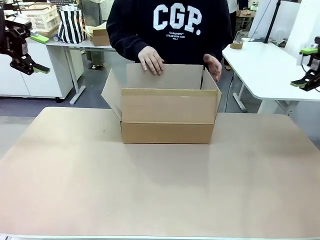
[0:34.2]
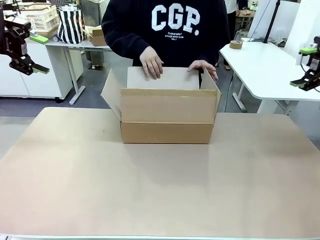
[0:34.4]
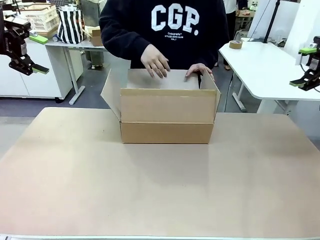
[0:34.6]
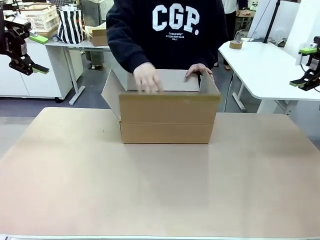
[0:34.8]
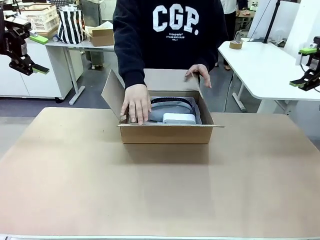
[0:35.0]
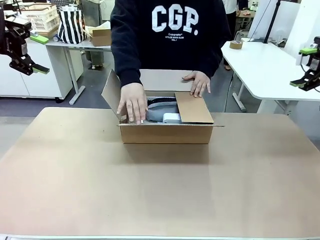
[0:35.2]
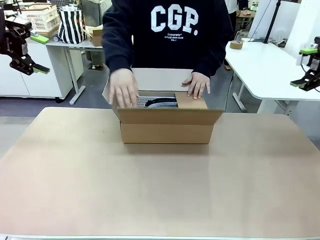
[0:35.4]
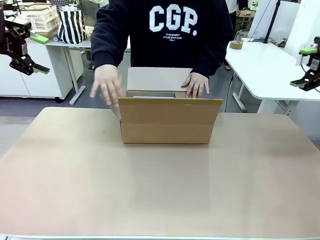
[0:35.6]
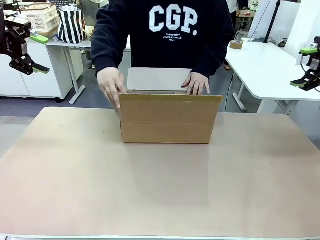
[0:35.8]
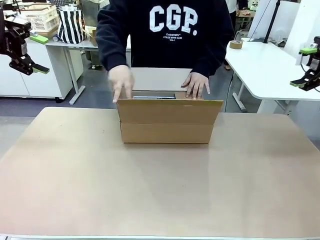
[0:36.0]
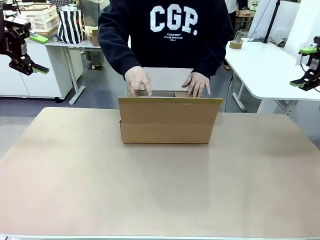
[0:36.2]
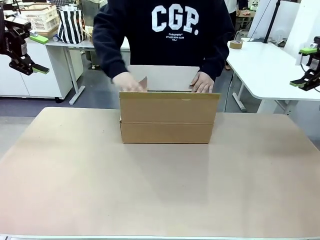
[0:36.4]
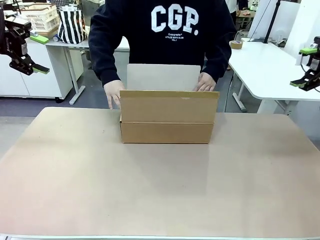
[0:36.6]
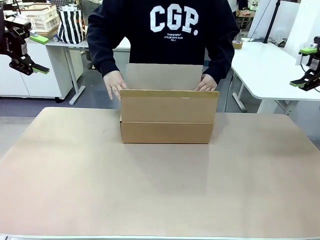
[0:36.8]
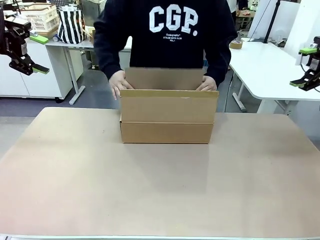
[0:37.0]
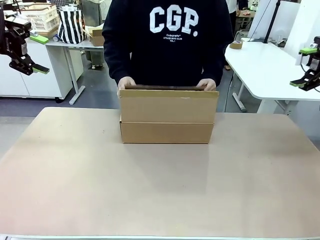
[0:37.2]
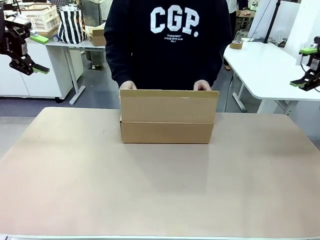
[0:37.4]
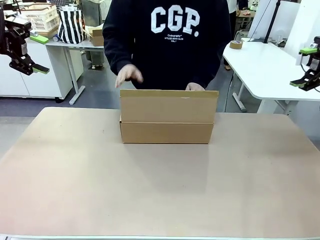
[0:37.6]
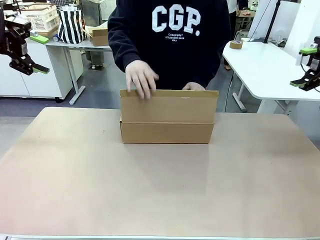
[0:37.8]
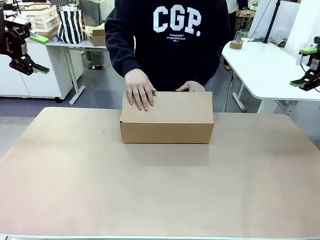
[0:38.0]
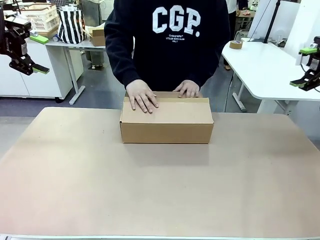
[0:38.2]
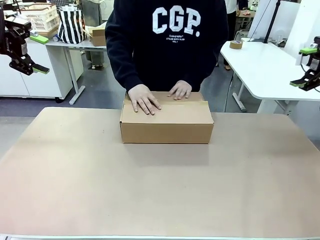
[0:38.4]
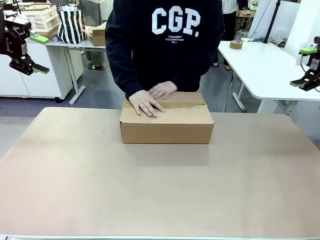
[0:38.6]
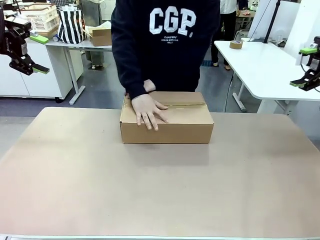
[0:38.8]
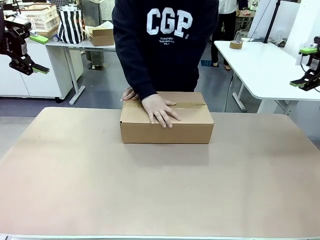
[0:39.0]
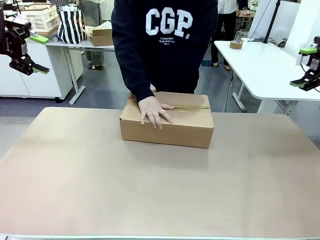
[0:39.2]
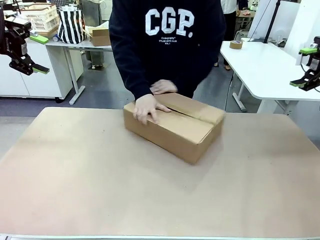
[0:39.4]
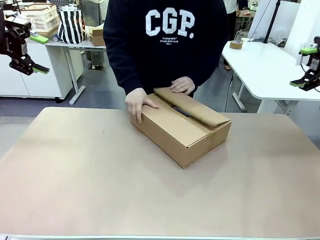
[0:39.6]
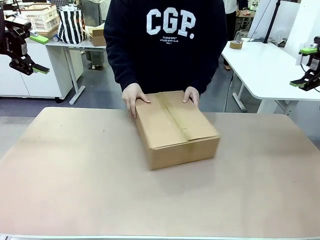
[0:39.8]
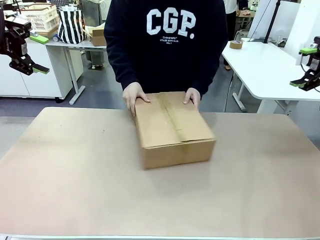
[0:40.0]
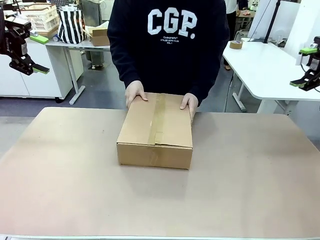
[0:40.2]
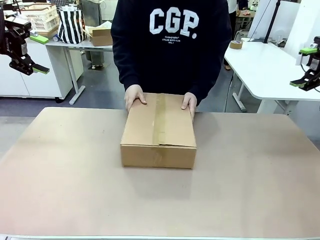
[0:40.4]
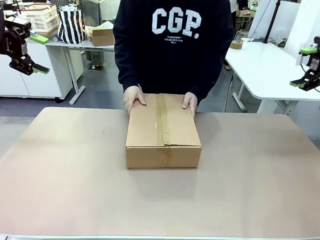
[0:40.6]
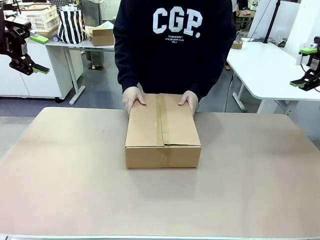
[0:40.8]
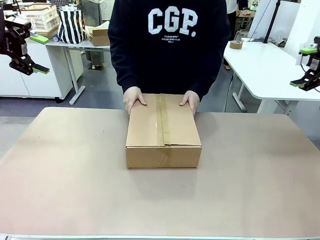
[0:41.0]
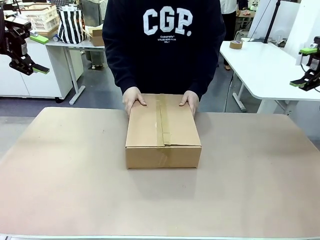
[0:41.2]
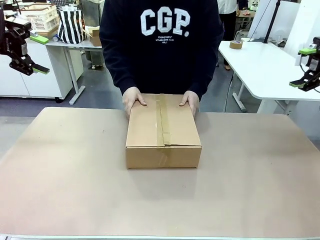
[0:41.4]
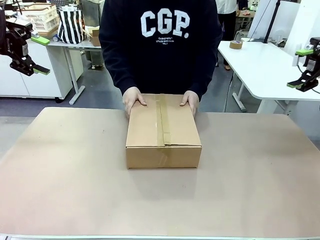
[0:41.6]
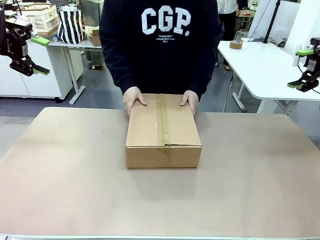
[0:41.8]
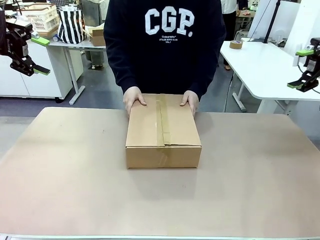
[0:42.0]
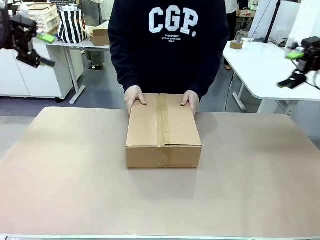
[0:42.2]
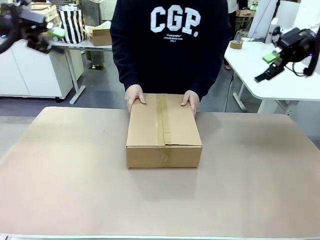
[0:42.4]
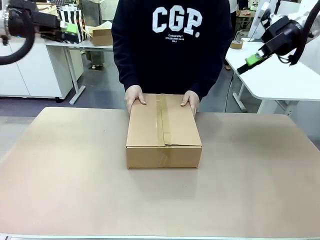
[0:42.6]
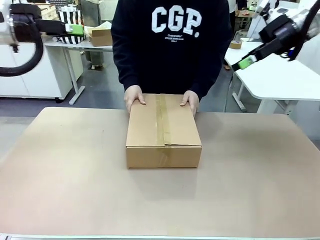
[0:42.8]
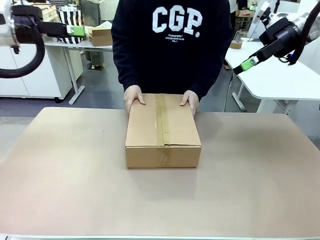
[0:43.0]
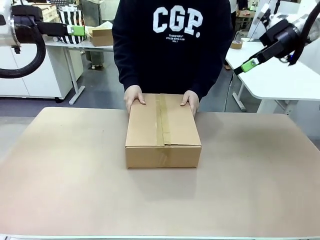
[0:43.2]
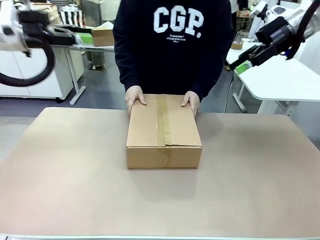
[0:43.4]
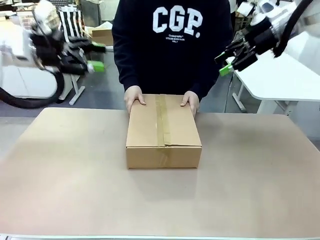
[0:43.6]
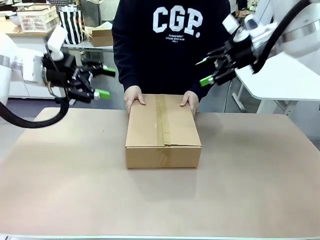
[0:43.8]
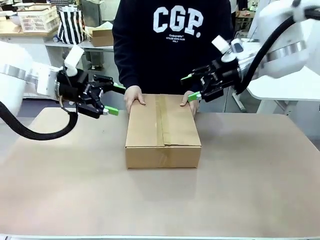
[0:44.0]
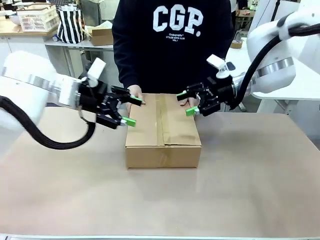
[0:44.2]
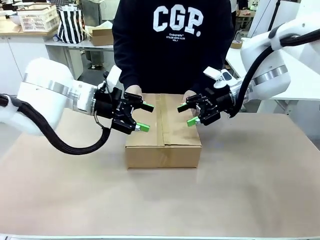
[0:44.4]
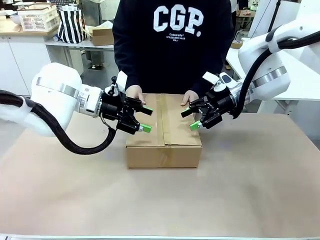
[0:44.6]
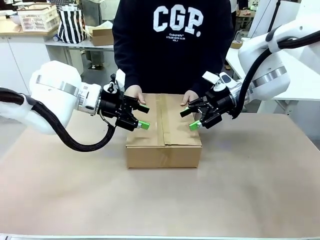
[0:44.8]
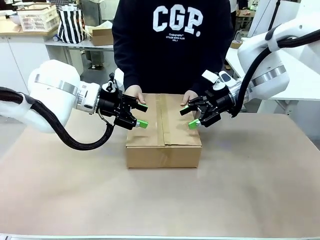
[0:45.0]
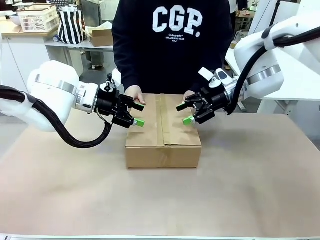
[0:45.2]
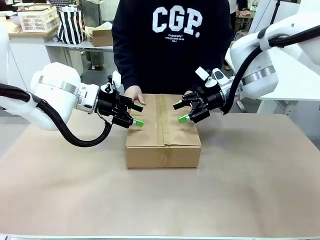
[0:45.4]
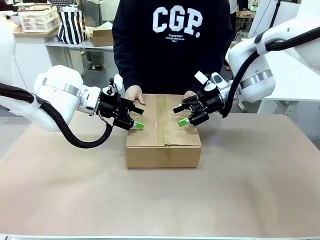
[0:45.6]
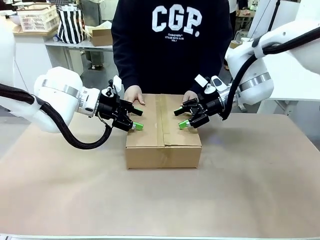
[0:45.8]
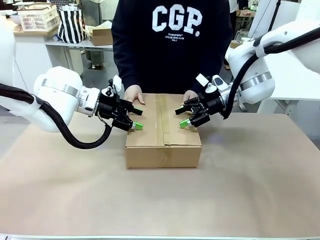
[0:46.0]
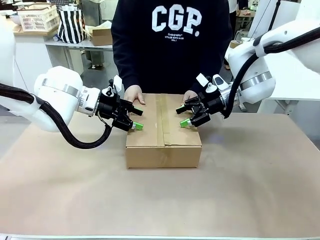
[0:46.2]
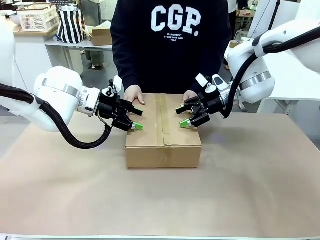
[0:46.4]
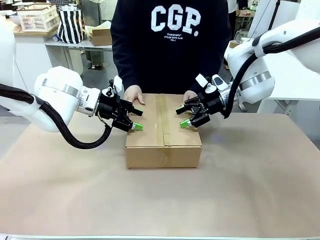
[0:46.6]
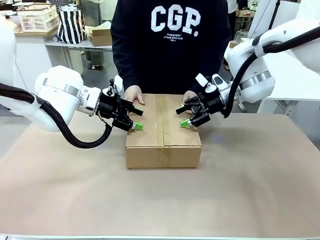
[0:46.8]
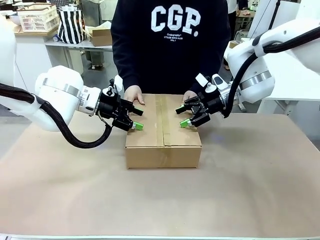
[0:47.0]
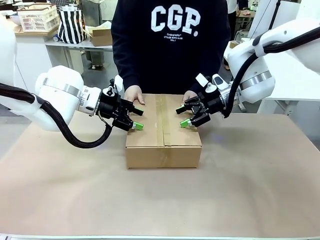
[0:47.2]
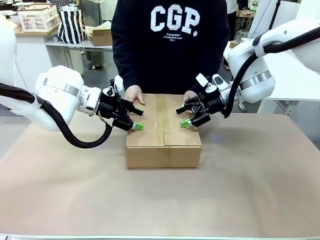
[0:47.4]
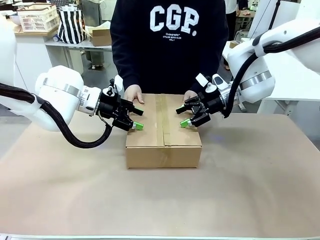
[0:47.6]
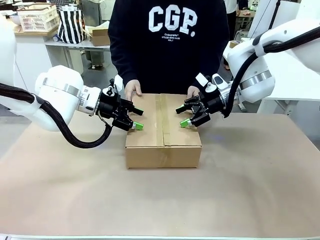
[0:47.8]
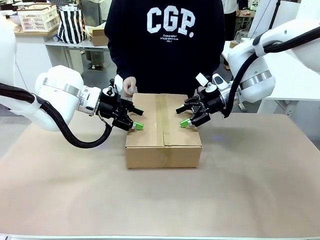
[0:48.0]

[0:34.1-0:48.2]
Task: Pack the gift set into the box.
Robot: Press and hold the closed box until the human finishes sealing it.
Person: The human closes the box and rotates the box by 90 degrees.
